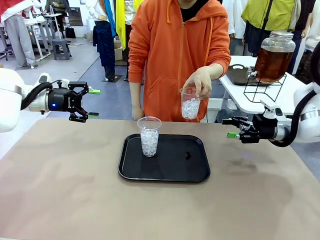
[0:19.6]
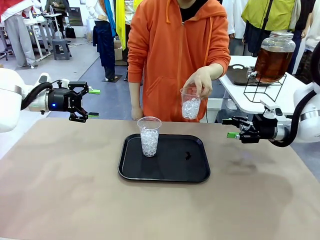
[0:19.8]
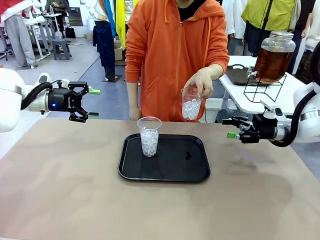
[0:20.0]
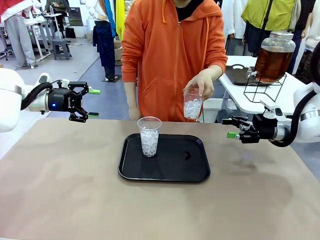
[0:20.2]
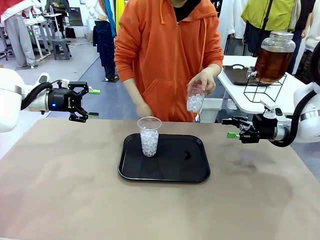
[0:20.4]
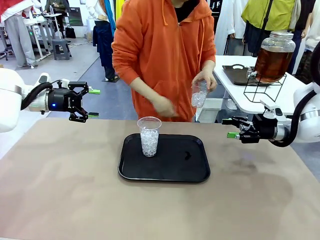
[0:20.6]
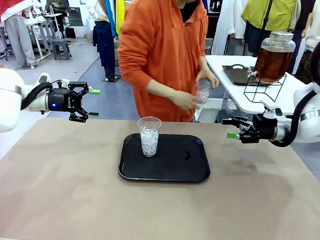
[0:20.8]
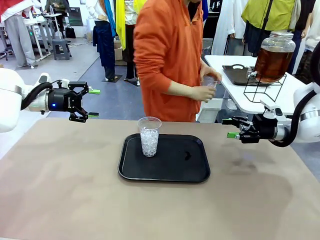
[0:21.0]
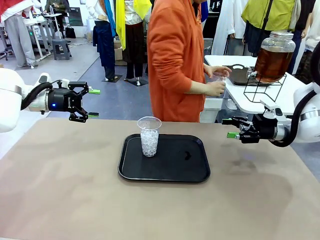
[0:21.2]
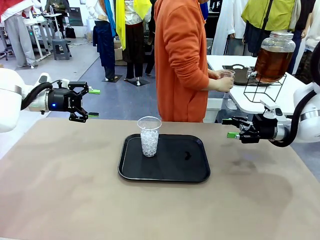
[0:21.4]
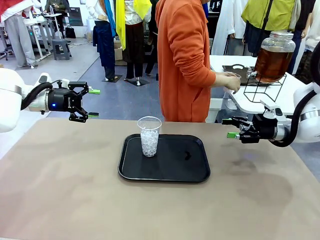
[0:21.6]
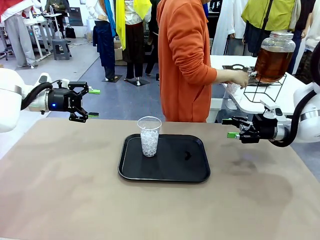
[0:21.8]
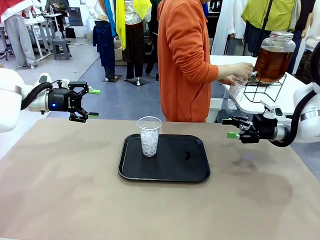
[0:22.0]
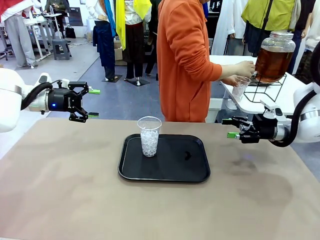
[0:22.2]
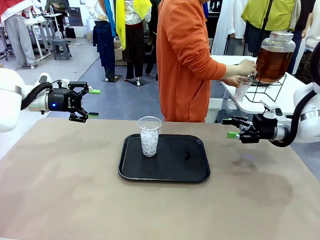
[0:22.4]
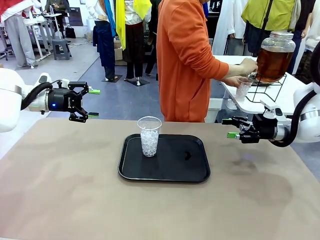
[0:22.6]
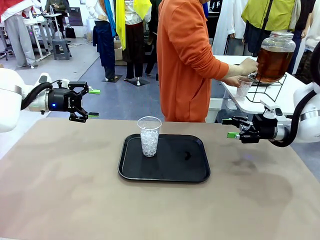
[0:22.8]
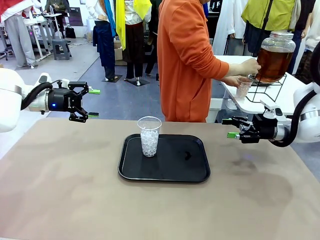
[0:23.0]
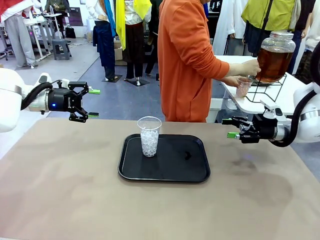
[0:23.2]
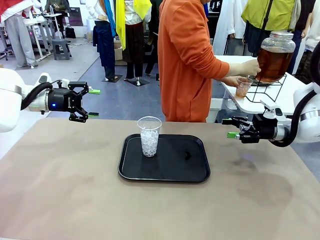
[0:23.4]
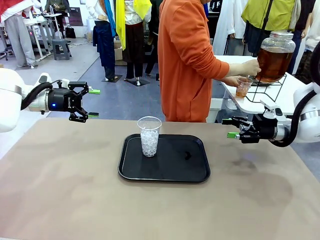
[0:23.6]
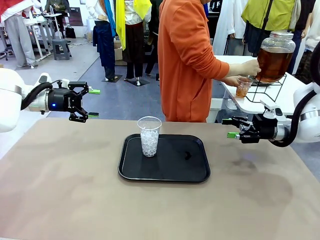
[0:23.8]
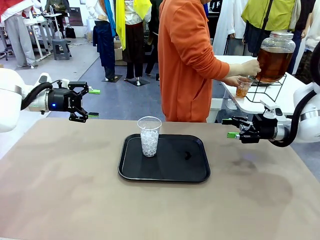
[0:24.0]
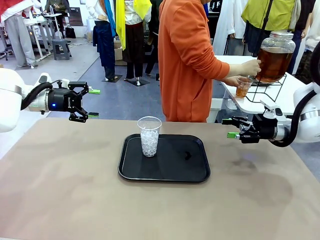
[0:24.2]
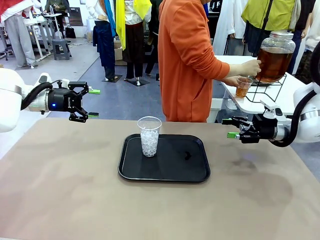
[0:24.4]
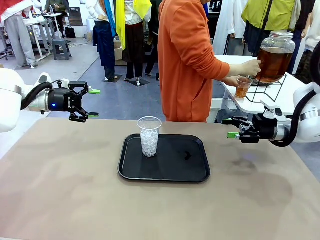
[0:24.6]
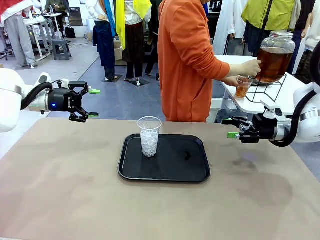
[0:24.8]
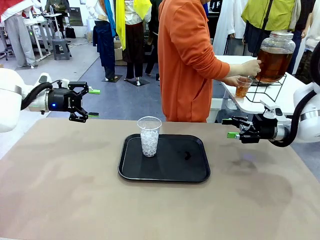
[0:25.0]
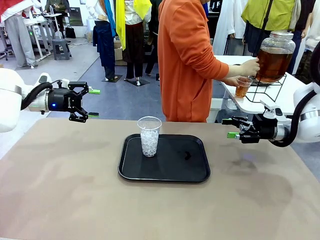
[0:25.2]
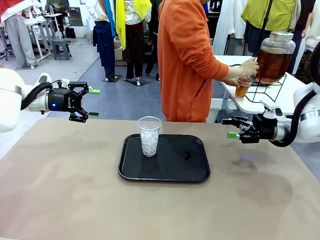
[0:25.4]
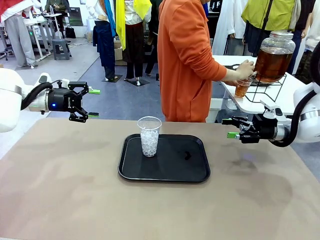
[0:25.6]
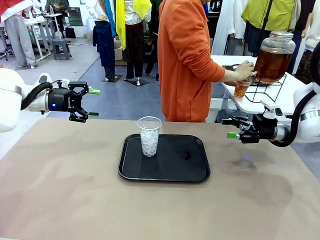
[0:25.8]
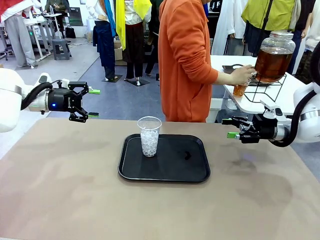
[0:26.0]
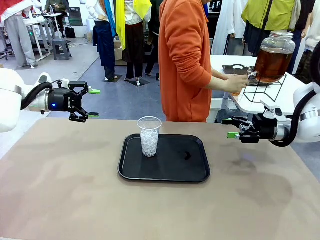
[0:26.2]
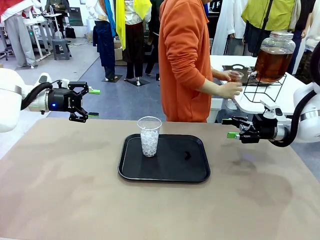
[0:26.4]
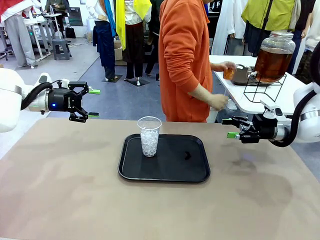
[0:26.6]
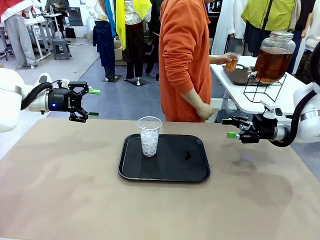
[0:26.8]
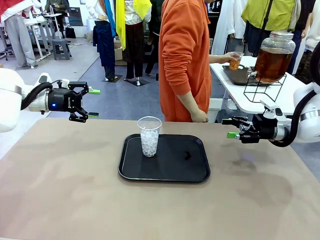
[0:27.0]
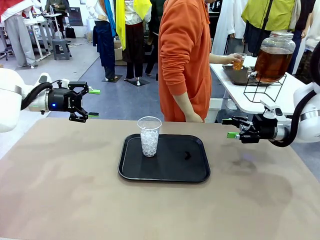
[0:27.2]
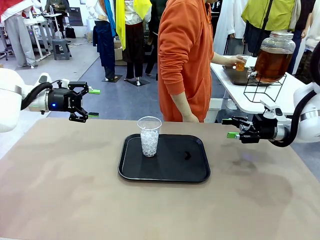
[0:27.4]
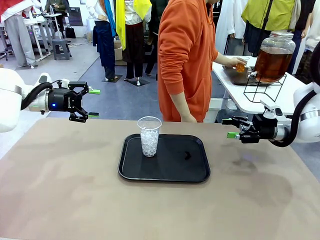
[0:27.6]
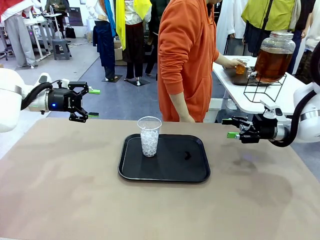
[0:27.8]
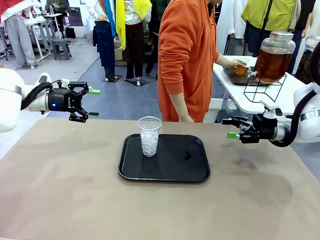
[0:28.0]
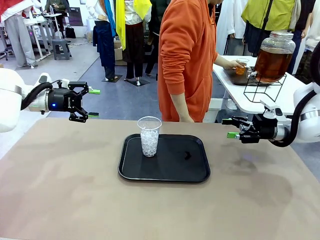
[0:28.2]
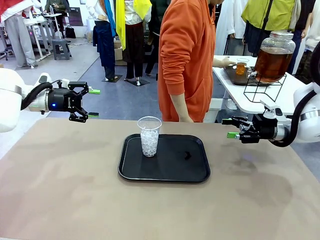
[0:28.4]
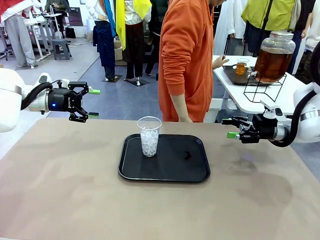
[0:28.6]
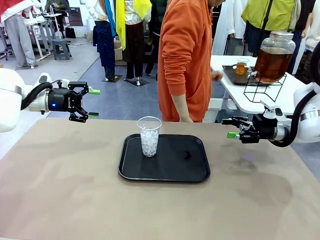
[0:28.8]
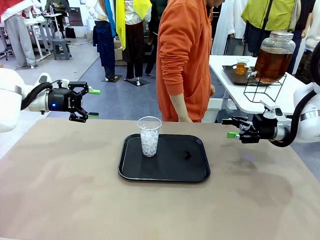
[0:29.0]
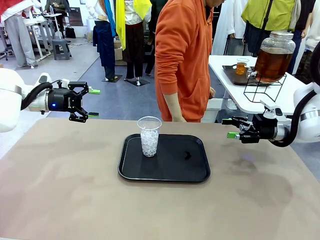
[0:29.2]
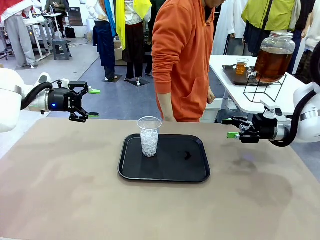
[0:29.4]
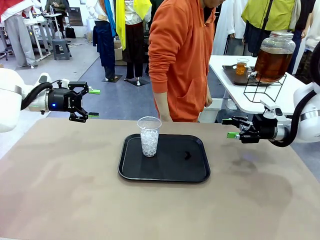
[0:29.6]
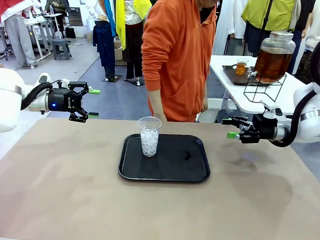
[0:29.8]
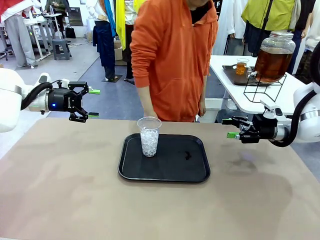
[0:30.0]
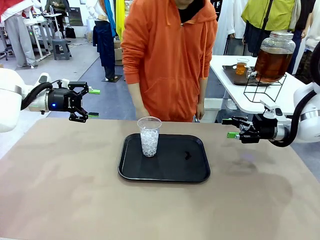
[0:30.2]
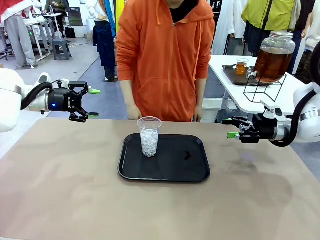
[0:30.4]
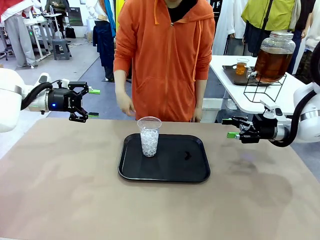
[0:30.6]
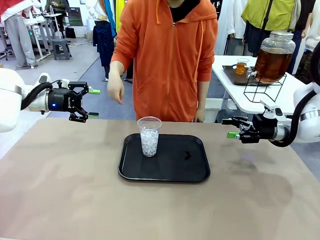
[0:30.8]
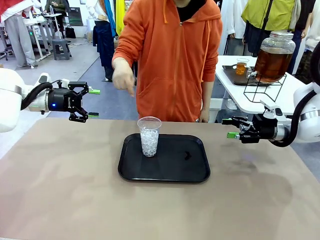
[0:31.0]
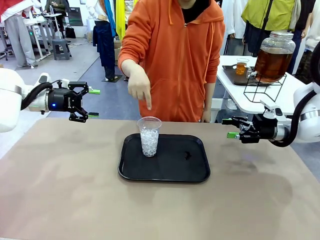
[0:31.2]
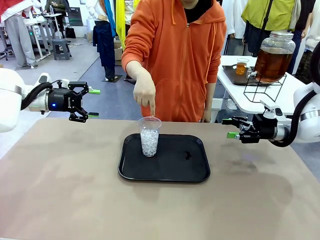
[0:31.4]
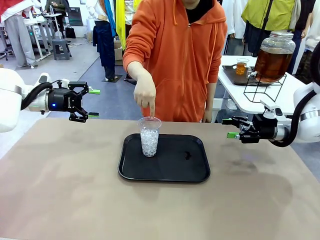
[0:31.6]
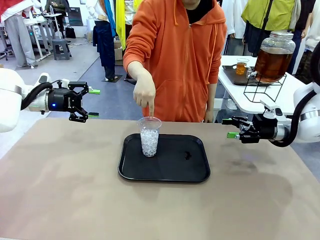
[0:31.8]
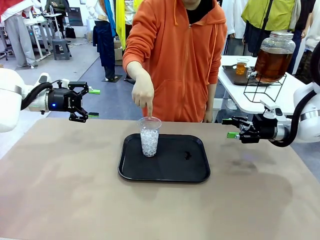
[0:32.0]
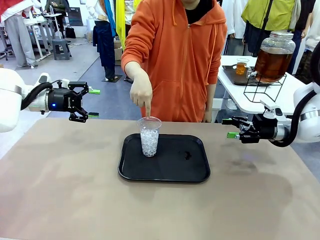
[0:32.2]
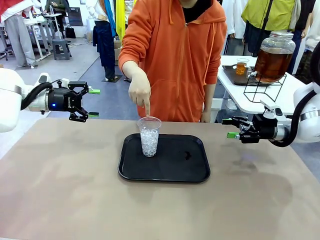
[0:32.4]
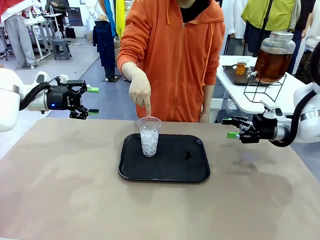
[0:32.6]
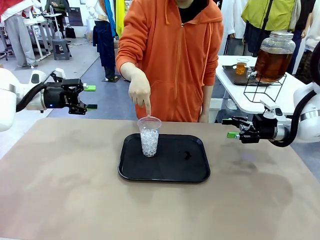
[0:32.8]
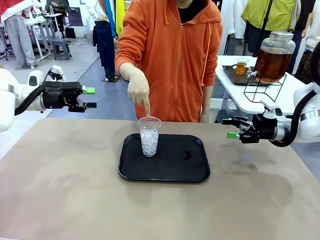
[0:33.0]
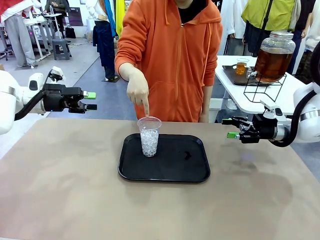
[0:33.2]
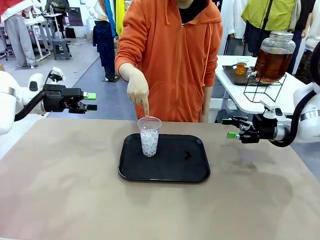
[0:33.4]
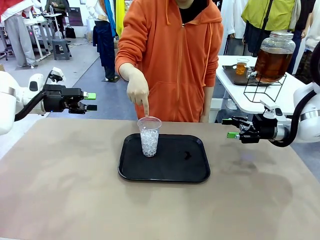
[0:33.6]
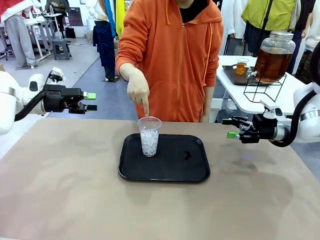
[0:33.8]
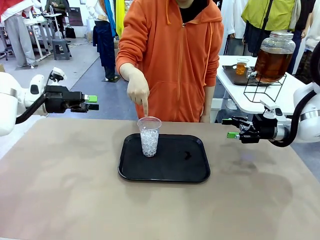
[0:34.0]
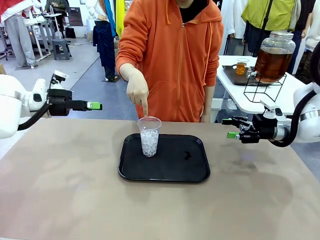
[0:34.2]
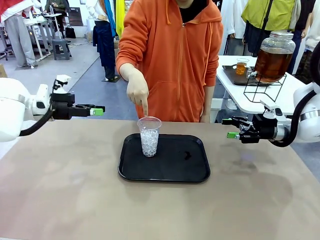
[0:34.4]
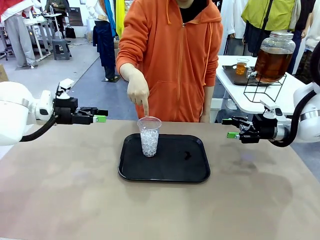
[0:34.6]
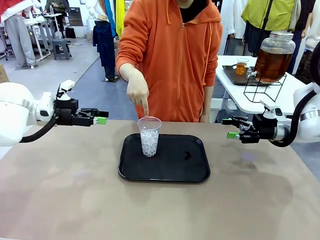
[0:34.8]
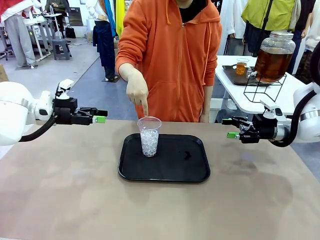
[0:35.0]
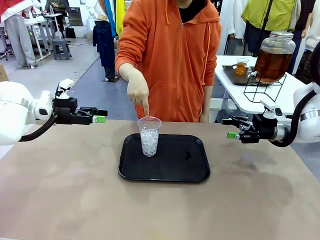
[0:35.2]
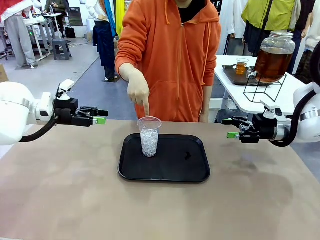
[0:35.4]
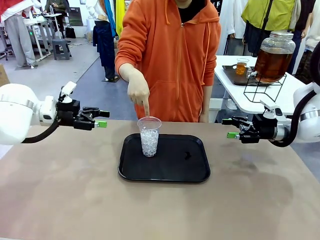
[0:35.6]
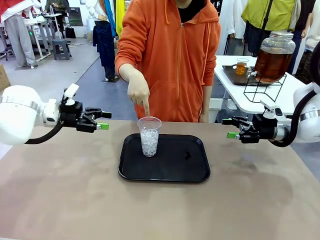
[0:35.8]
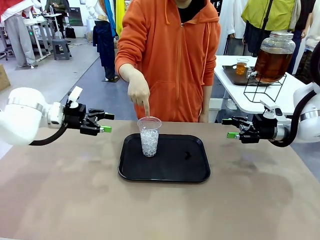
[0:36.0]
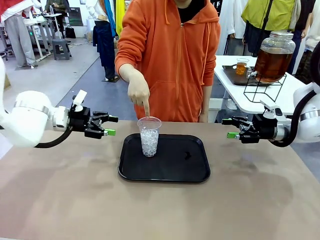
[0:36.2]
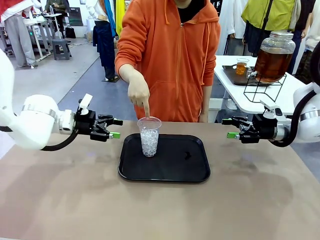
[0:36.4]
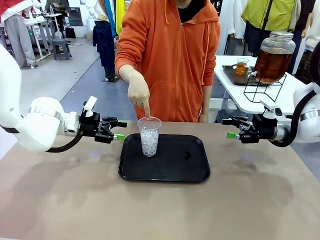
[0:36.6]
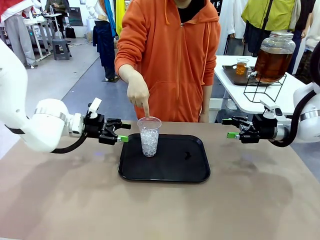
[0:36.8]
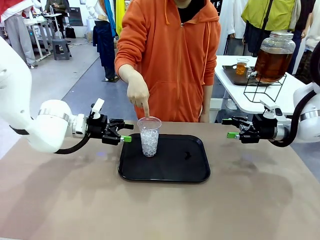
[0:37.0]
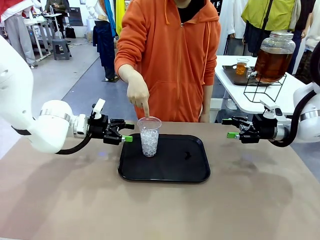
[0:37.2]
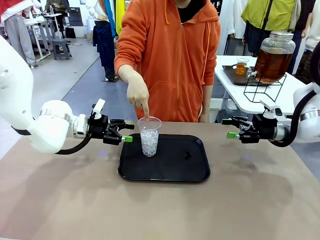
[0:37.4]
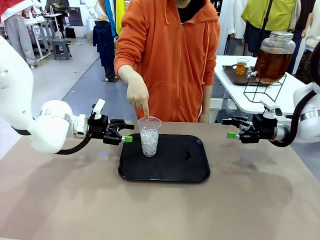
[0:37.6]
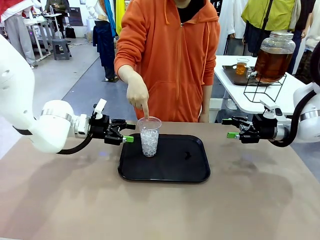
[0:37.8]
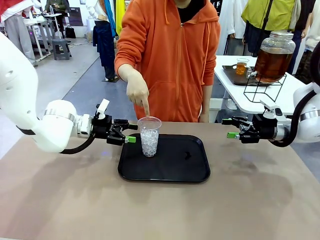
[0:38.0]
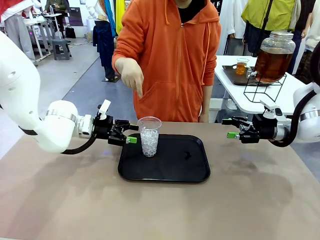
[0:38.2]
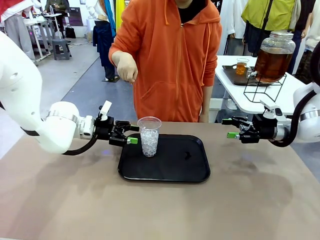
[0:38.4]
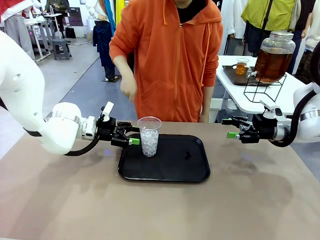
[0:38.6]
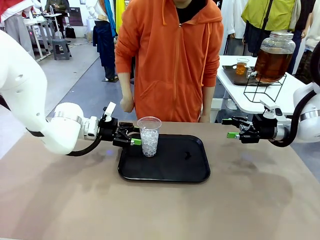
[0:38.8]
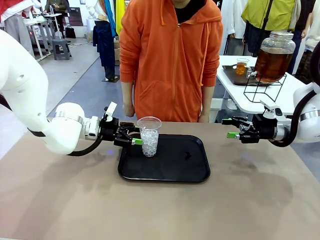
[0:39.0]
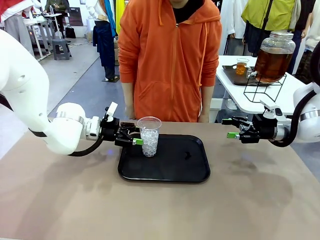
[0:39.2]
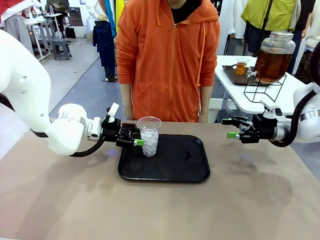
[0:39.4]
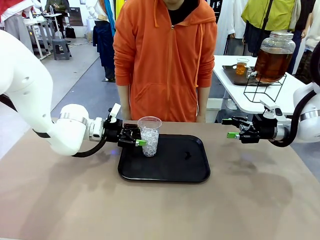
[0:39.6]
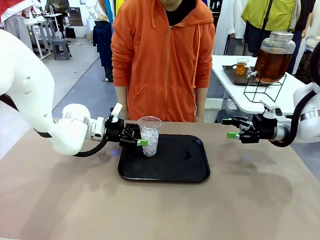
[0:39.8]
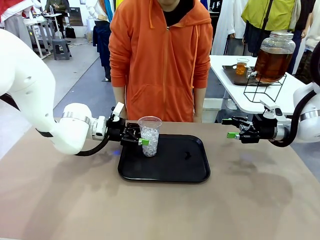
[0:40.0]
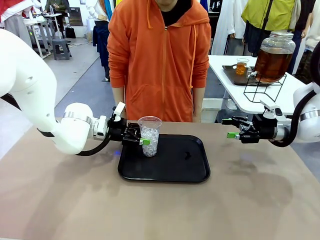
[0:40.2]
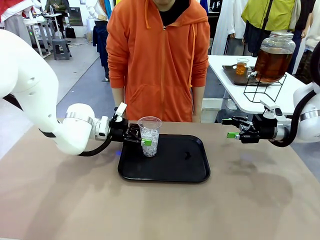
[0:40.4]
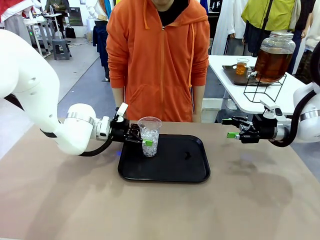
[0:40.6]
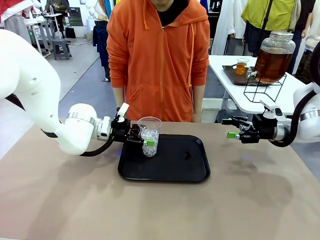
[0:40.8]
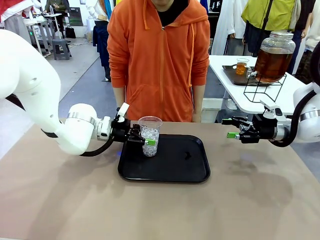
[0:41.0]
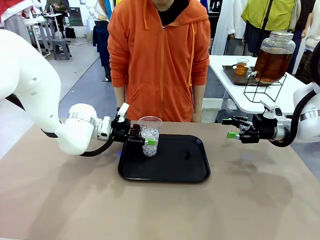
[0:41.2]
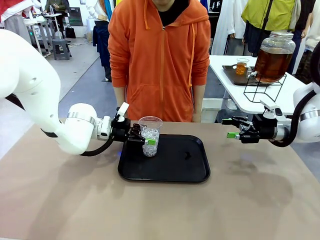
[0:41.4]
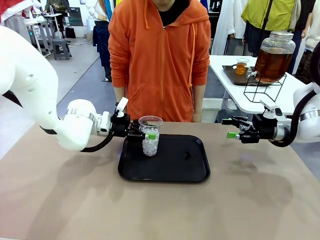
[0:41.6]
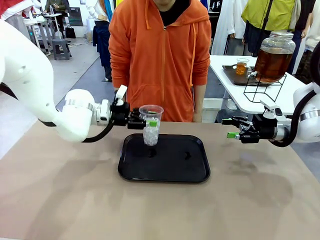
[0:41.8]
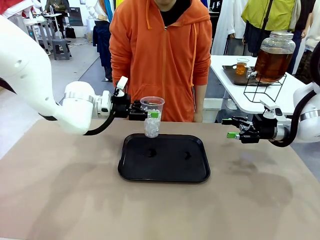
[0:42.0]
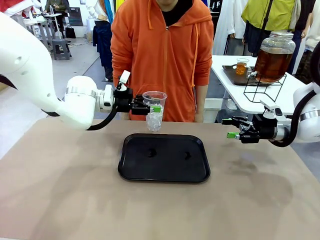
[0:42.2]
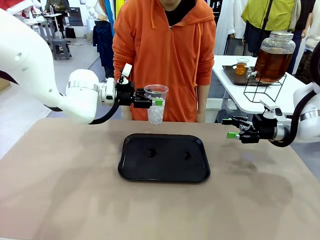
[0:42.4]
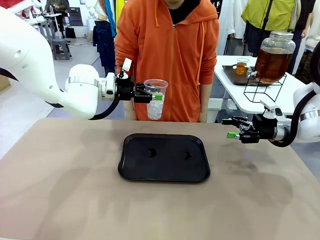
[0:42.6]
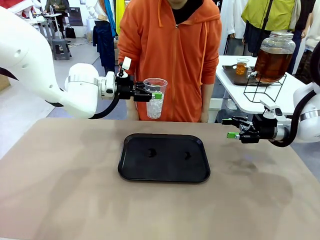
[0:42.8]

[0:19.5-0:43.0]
Task: Pour the drink into the iced cup.
Robot: Pick up the iced cup indicated by the human and present it to them.
Person: Move the picked-up cup under the dispenser faucet, pour the drink, and place it on the tray on the human table. Point to the remaining ice cup on the robot table. Pick up the cup offered by the robot.
